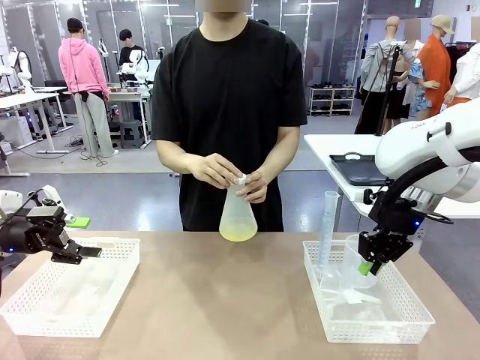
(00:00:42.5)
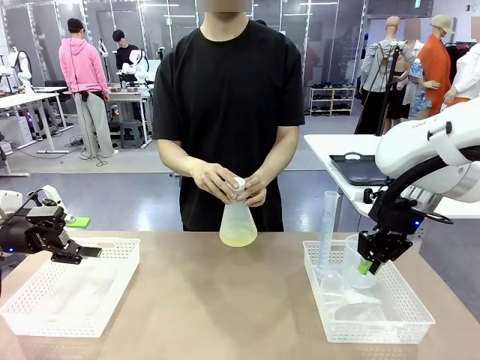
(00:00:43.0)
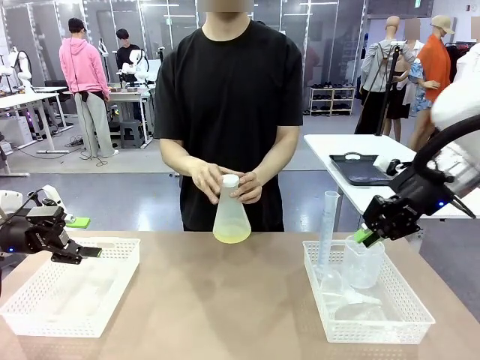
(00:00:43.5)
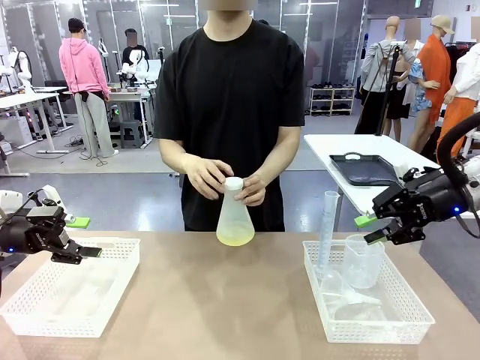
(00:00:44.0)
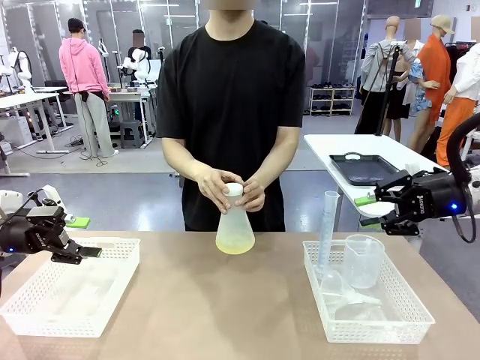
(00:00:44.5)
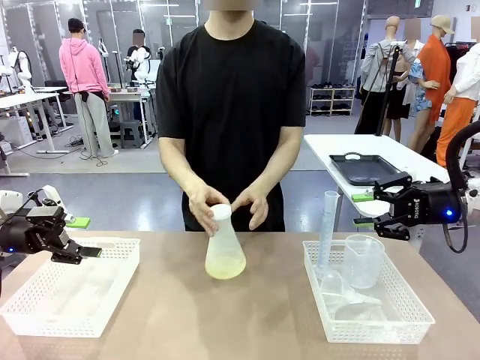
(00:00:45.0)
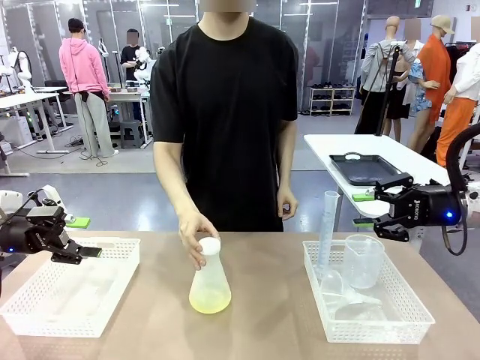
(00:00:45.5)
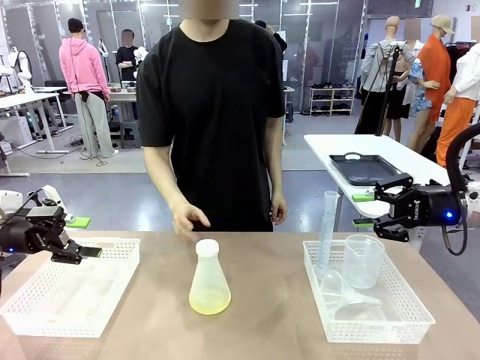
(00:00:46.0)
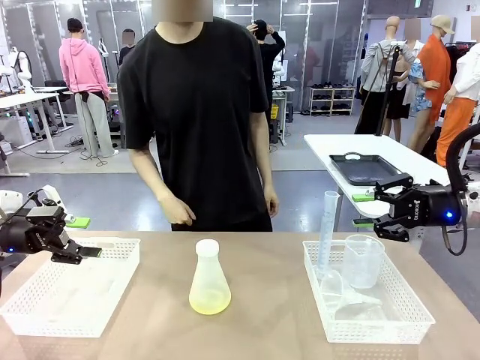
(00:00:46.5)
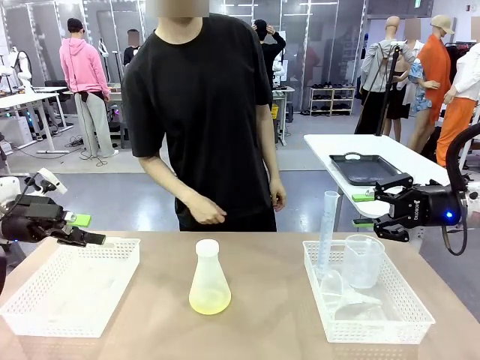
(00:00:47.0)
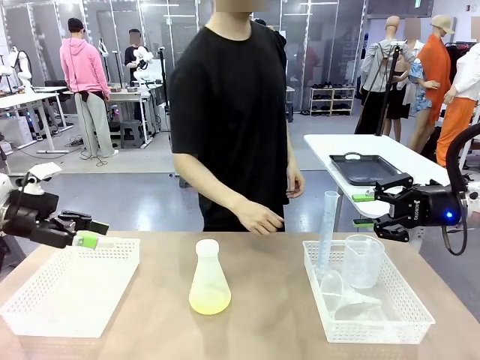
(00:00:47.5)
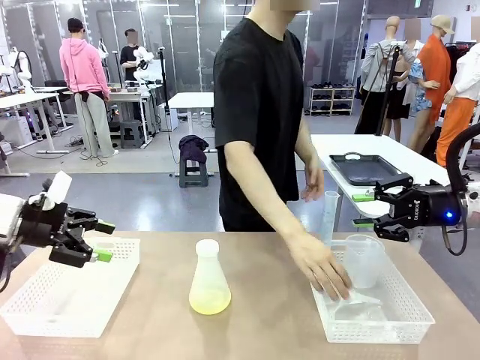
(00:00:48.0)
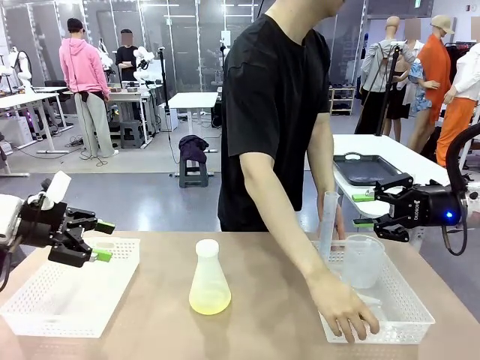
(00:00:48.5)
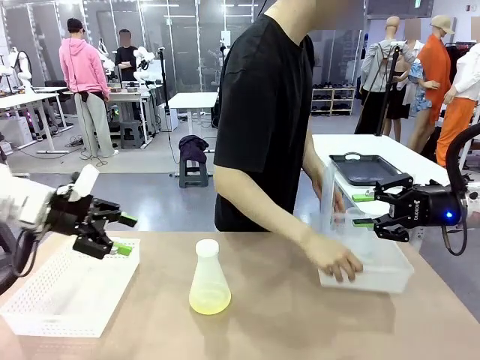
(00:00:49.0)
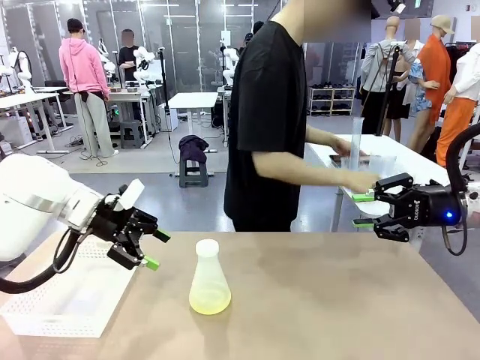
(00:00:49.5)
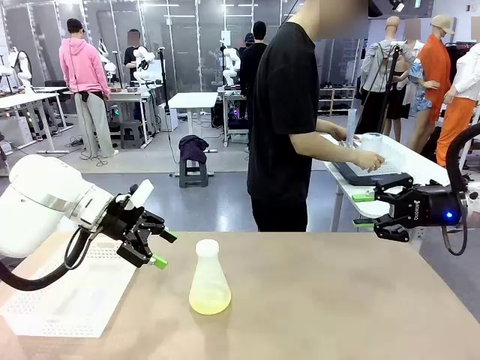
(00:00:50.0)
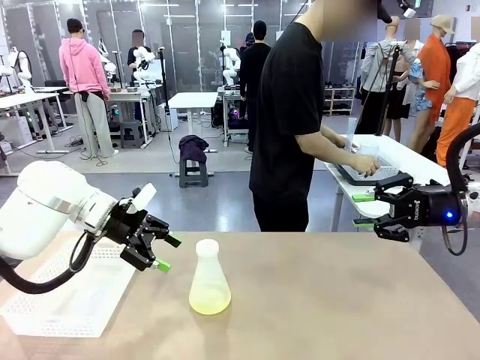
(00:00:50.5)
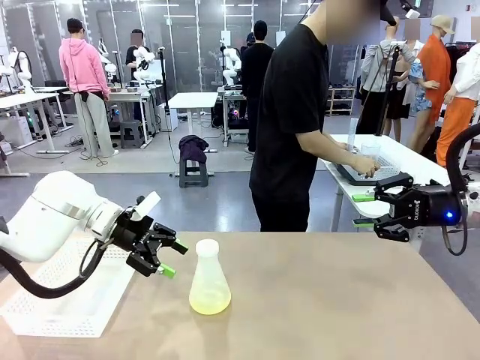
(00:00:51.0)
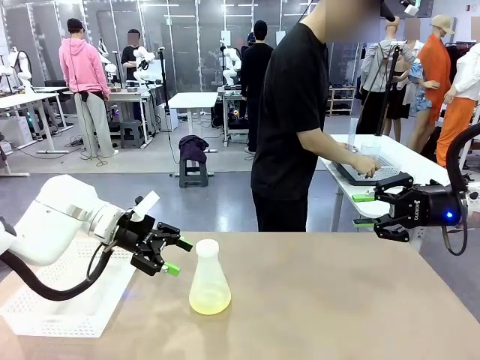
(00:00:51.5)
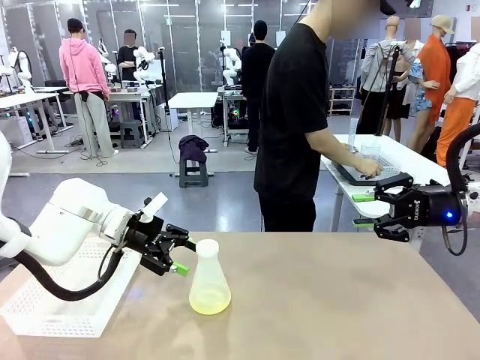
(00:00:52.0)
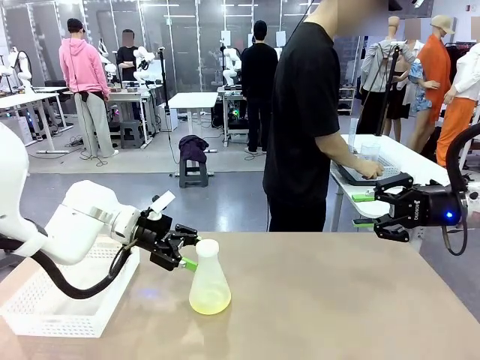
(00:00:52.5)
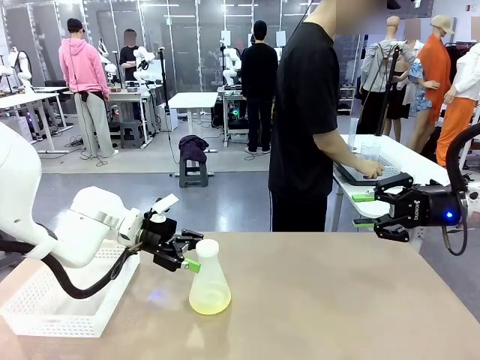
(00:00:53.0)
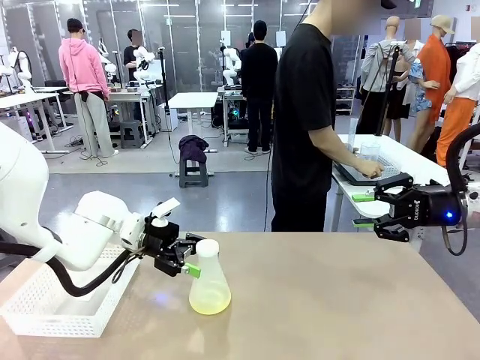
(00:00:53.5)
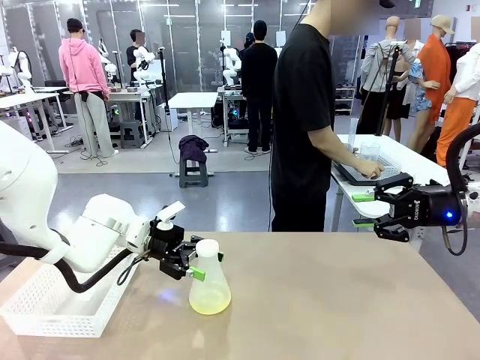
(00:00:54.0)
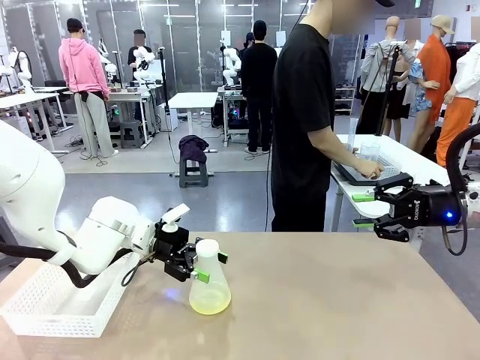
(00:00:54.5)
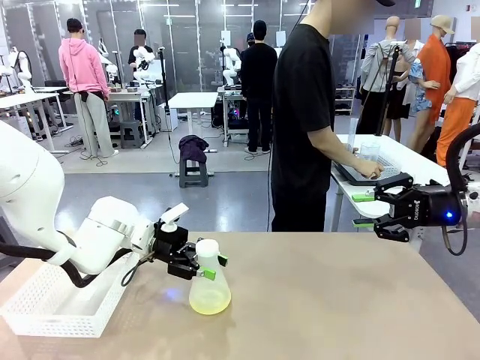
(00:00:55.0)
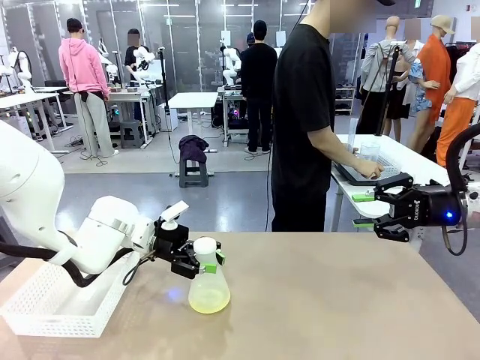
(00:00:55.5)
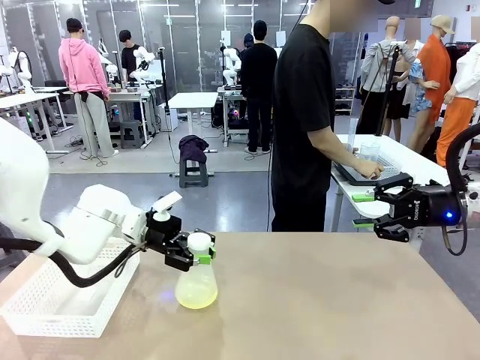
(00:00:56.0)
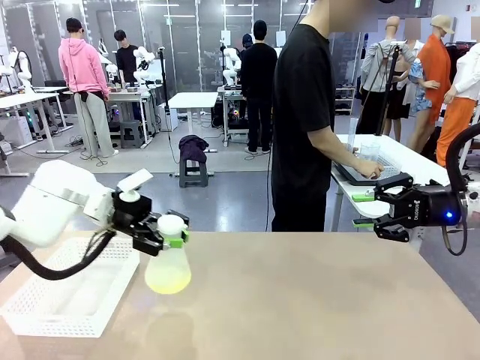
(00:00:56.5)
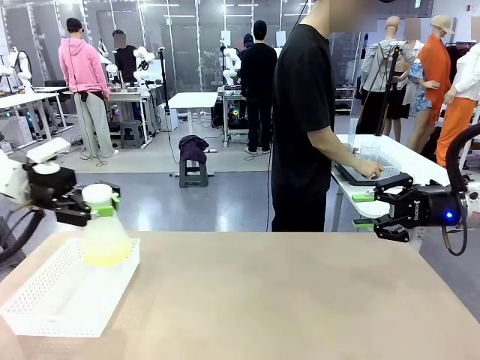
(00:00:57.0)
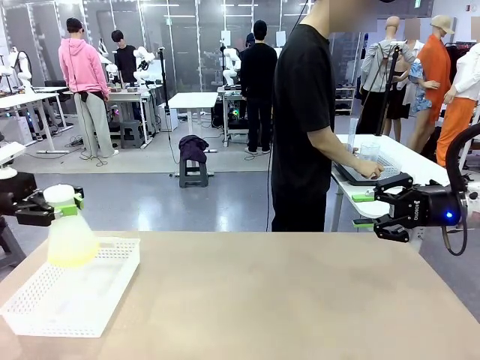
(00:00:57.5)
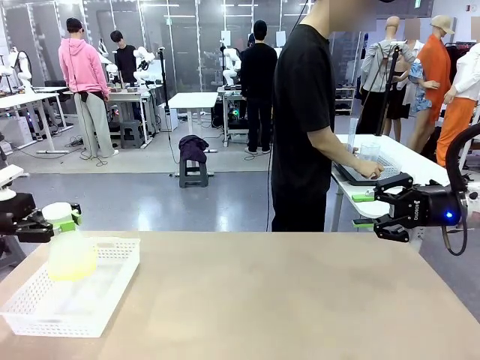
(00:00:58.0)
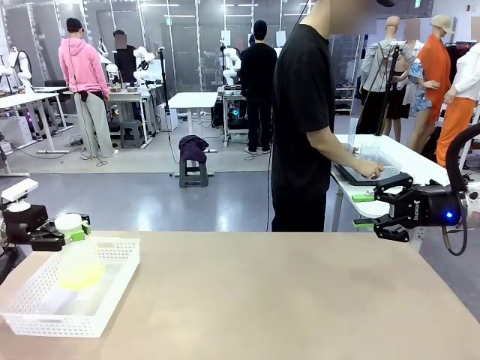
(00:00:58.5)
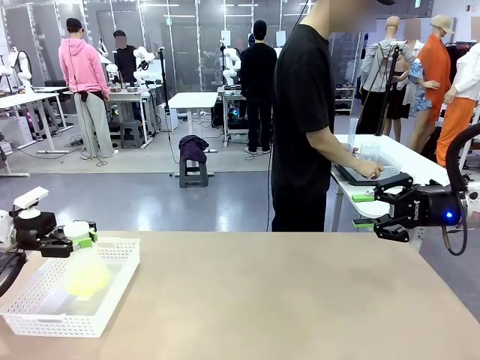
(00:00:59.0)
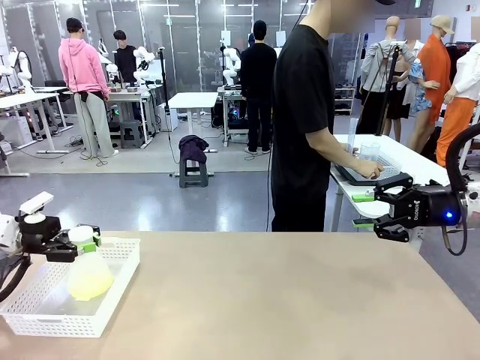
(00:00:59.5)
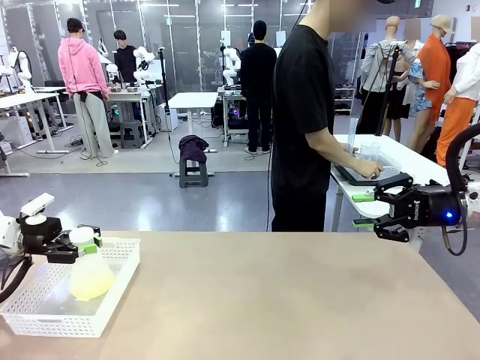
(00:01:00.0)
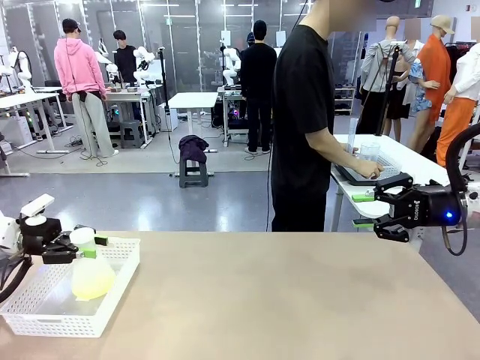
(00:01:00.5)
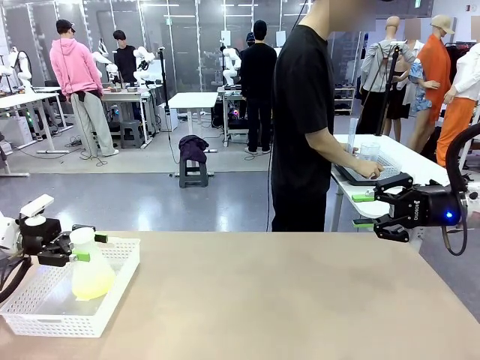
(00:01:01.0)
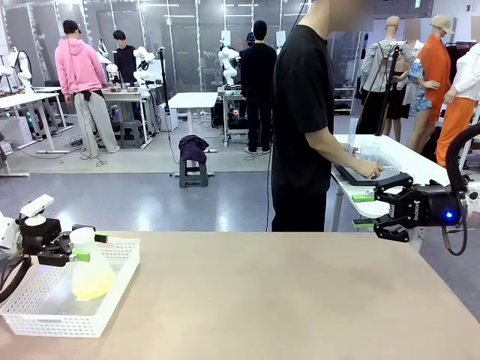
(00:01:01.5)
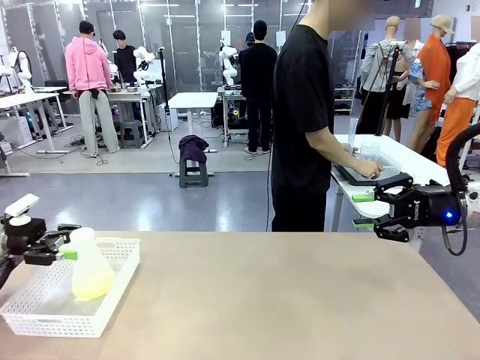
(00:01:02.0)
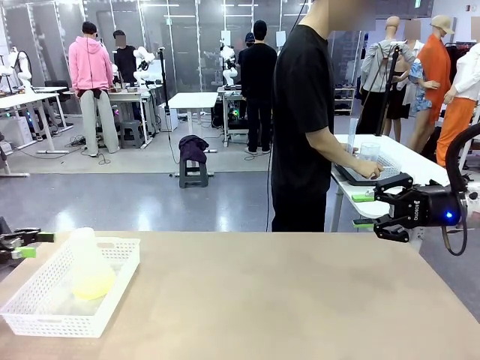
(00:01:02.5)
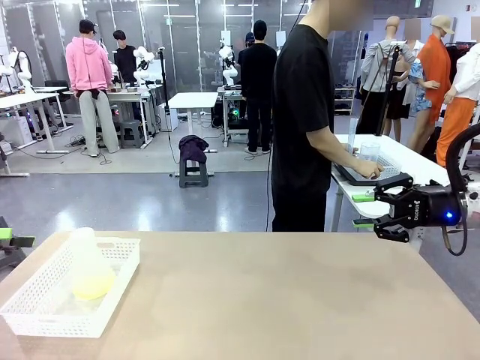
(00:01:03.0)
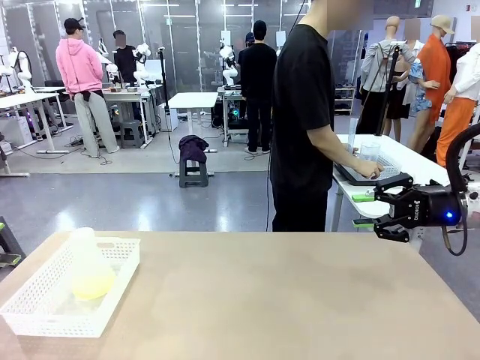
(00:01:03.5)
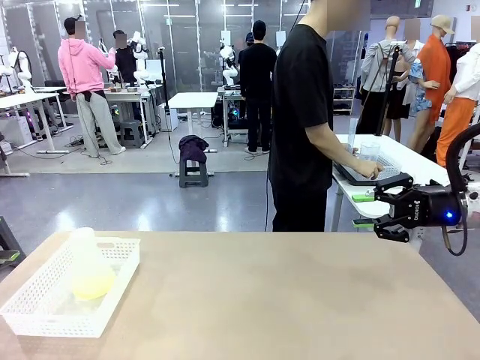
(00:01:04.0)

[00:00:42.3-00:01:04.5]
Task: Prepare the solutions needed for the experiment.
Robot: When the human places the Big flask in the center of the table, pick up the Big flask and place it in the left Organizing basket.
Person: Pick up the organizing basket on the left side of the robot table and place it on the left side of the human table.

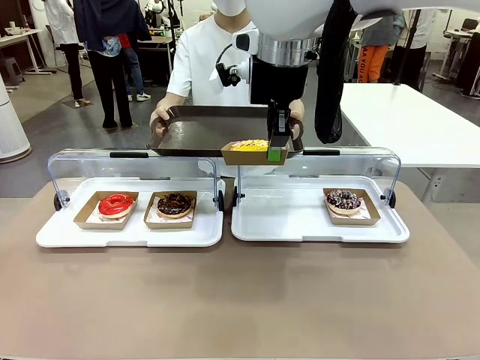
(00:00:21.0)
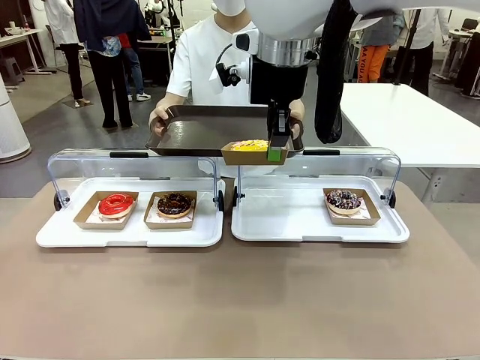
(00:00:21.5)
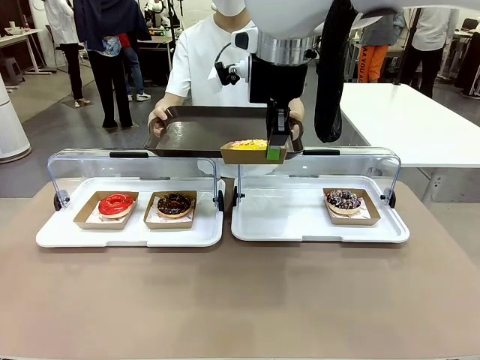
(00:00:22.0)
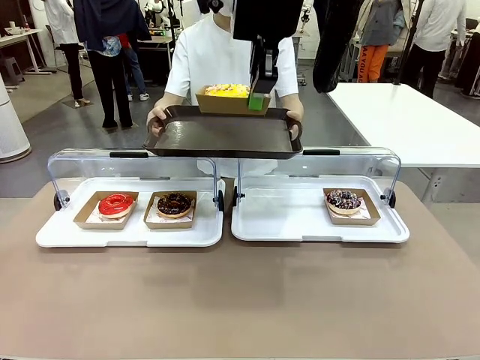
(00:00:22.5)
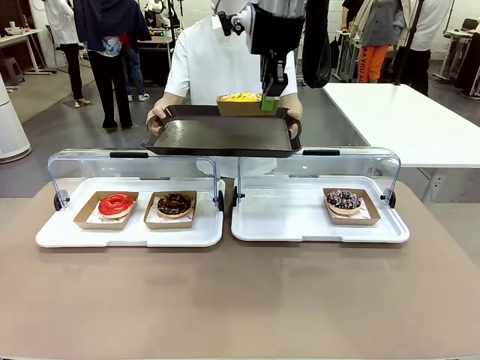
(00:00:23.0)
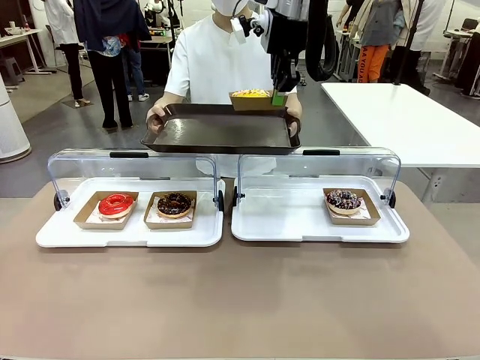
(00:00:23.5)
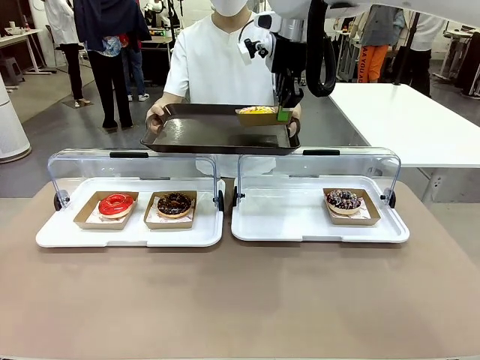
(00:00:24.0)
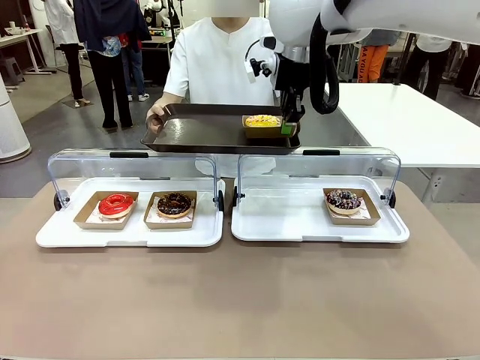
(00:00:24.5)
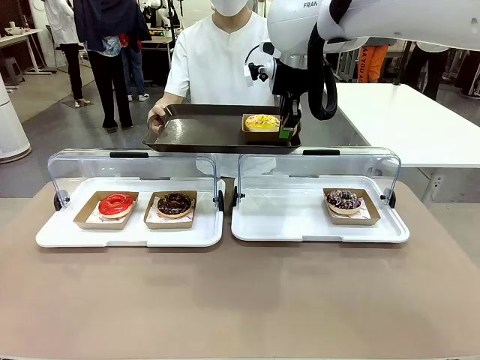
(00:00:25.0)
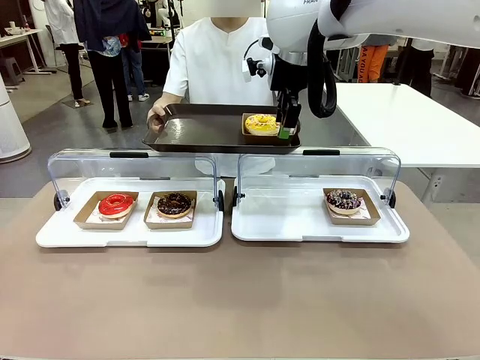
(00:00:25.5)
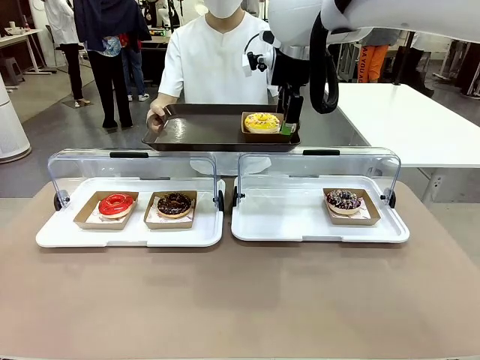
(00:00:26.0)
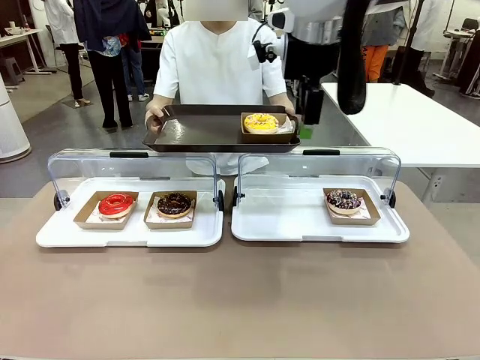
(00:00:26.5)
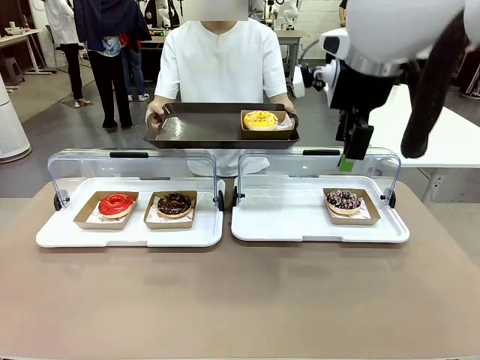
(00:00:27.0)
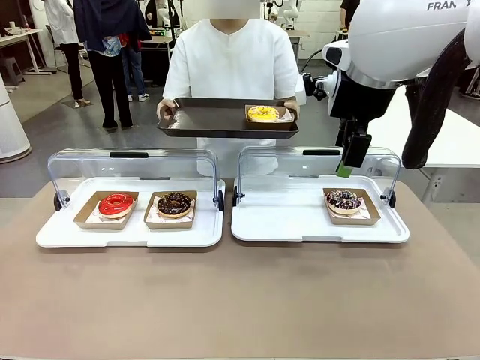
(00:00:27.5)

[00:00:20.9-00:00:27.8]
Task: Provide the desired donut to the person.
Robot: Place the picked Paper togo box onto the Handle tray extended by the person.
